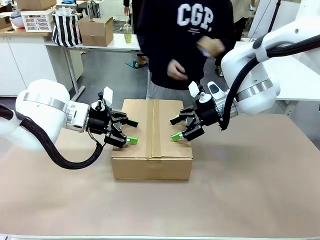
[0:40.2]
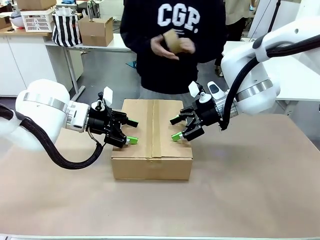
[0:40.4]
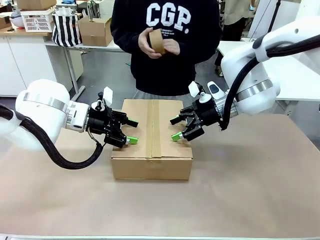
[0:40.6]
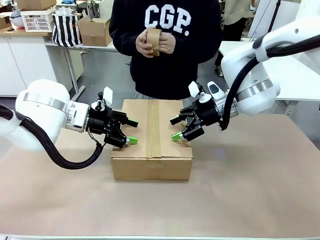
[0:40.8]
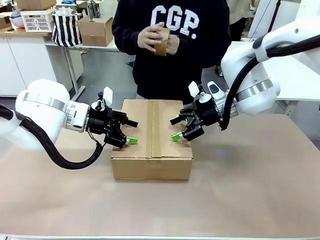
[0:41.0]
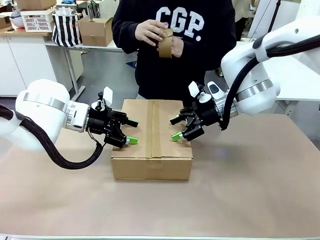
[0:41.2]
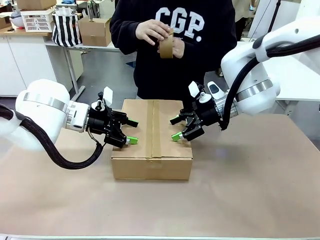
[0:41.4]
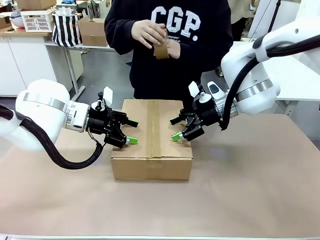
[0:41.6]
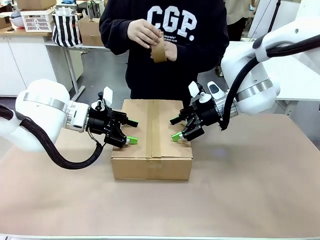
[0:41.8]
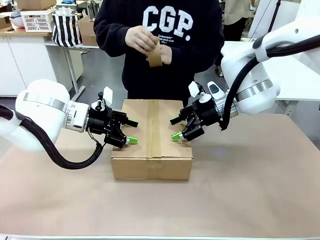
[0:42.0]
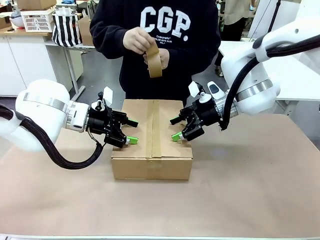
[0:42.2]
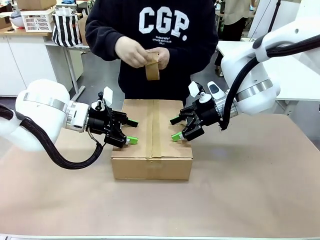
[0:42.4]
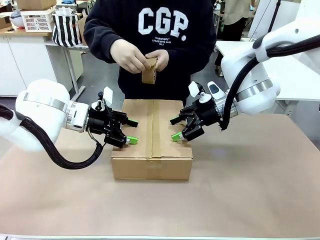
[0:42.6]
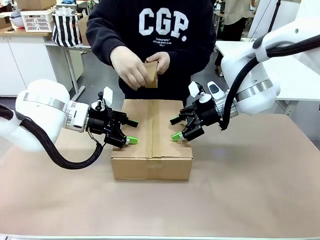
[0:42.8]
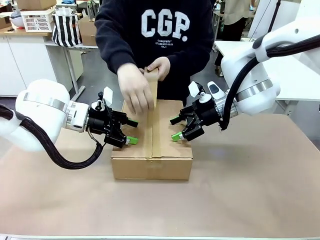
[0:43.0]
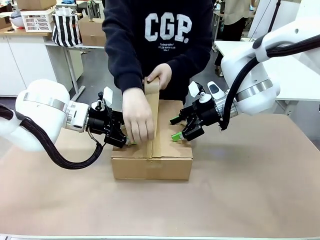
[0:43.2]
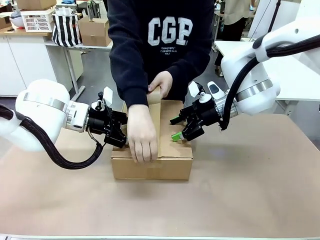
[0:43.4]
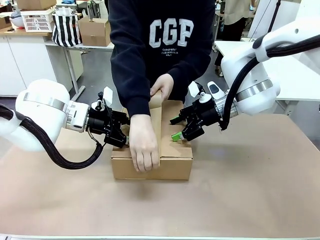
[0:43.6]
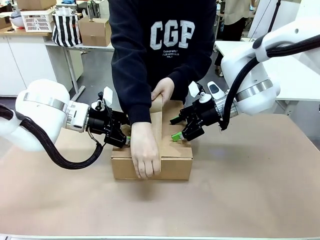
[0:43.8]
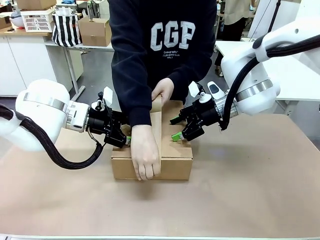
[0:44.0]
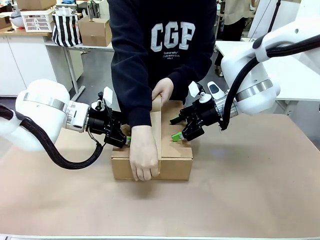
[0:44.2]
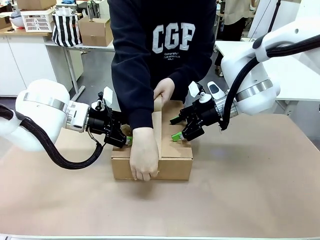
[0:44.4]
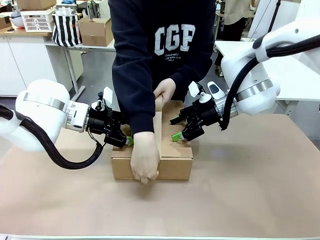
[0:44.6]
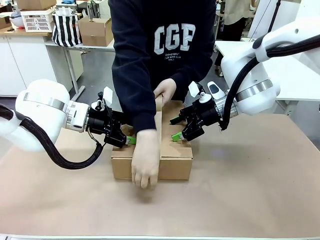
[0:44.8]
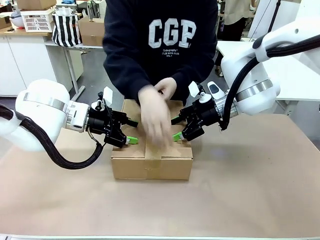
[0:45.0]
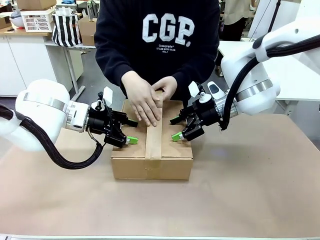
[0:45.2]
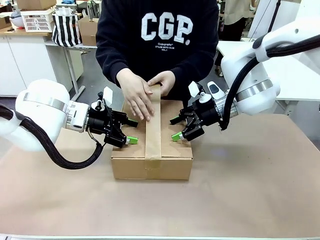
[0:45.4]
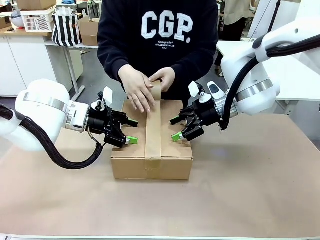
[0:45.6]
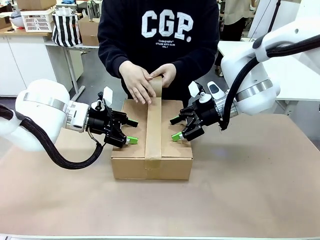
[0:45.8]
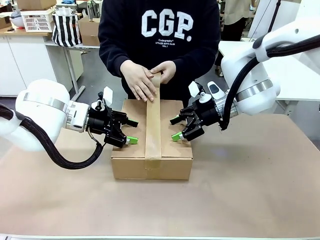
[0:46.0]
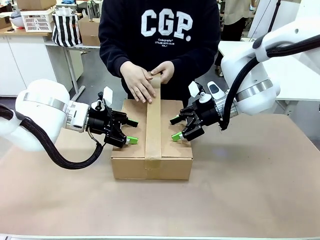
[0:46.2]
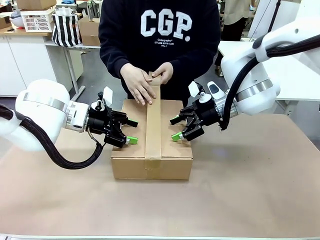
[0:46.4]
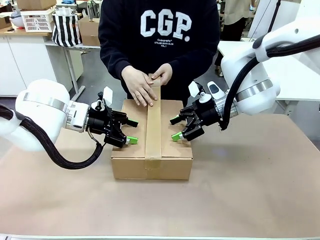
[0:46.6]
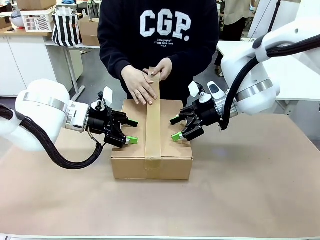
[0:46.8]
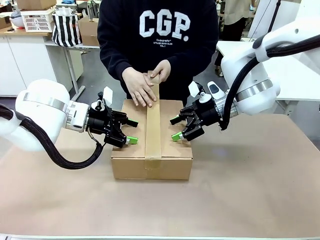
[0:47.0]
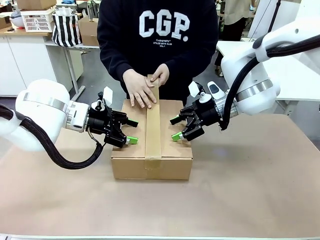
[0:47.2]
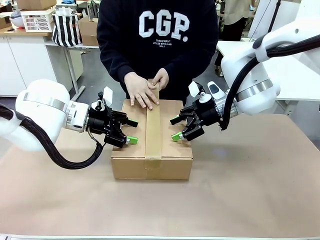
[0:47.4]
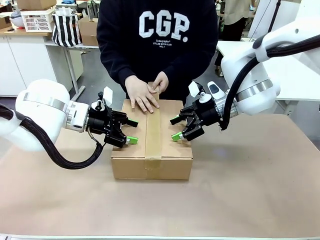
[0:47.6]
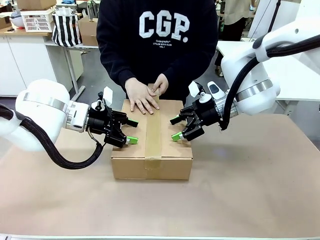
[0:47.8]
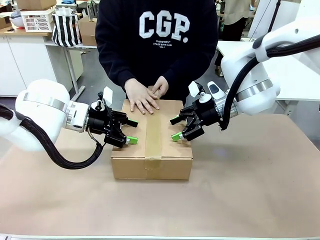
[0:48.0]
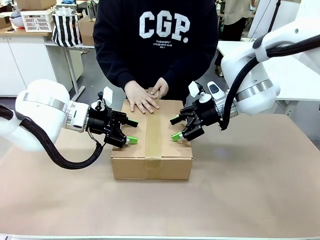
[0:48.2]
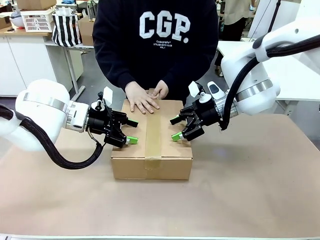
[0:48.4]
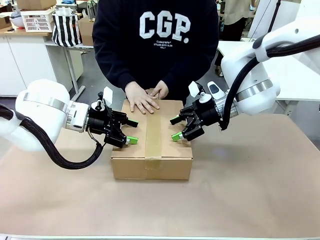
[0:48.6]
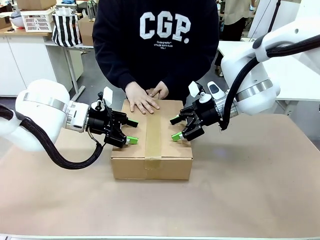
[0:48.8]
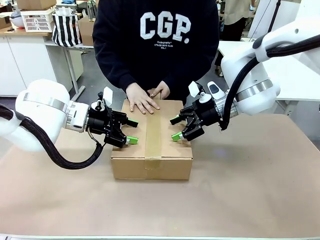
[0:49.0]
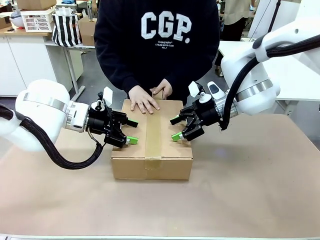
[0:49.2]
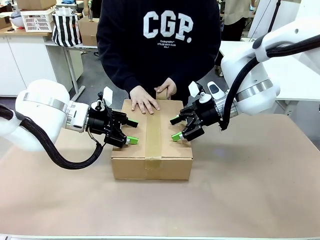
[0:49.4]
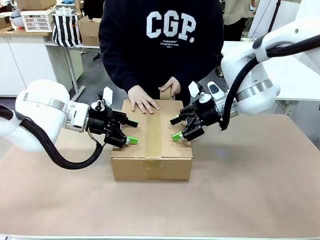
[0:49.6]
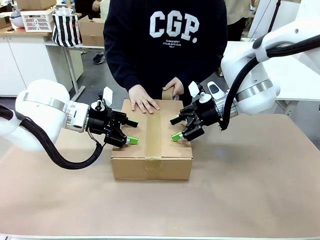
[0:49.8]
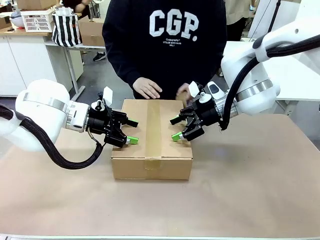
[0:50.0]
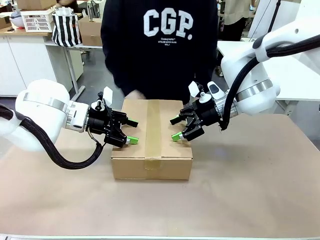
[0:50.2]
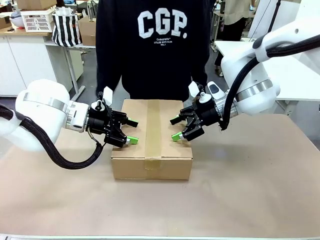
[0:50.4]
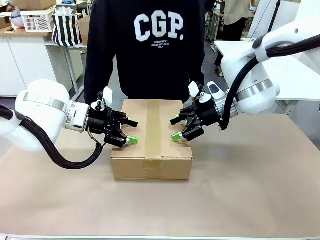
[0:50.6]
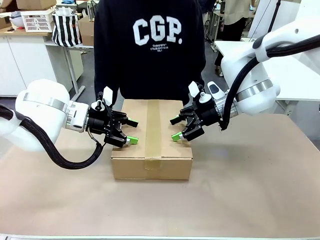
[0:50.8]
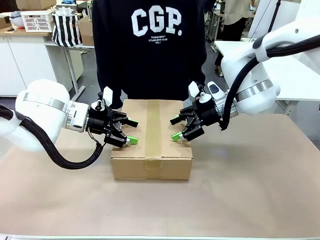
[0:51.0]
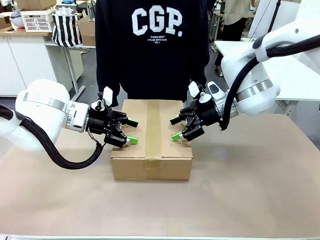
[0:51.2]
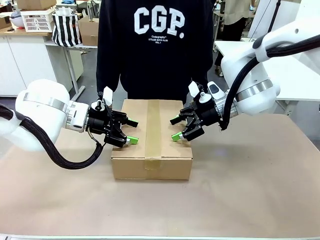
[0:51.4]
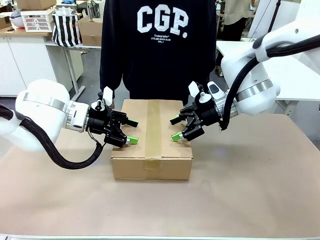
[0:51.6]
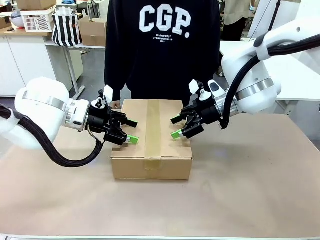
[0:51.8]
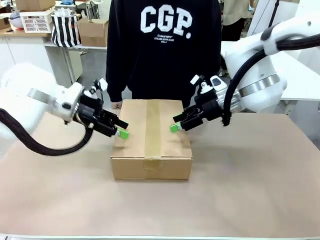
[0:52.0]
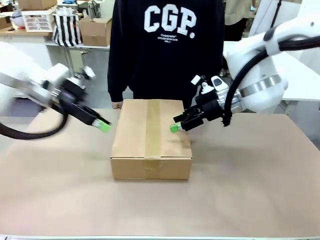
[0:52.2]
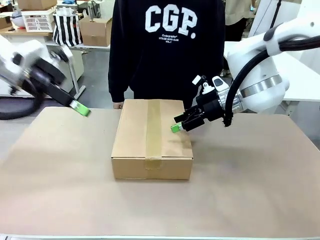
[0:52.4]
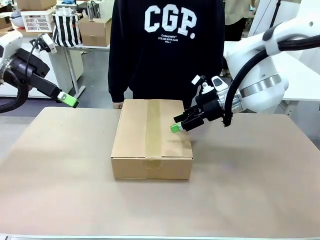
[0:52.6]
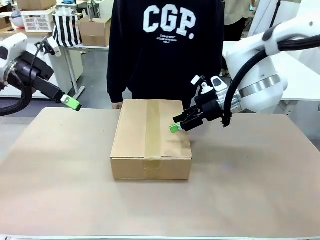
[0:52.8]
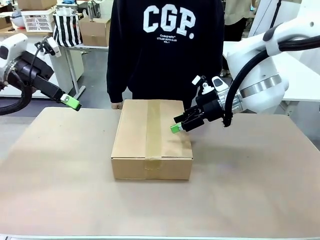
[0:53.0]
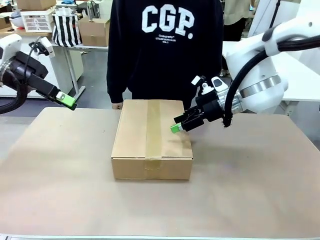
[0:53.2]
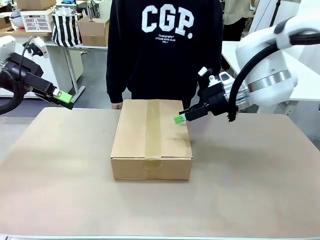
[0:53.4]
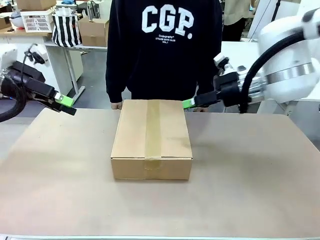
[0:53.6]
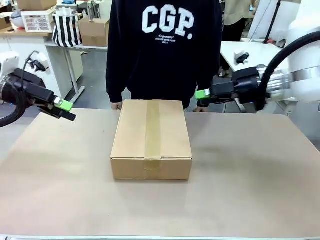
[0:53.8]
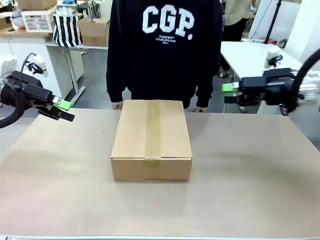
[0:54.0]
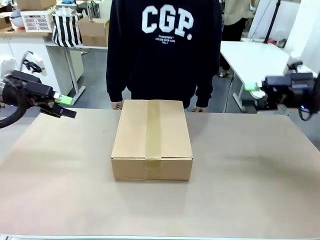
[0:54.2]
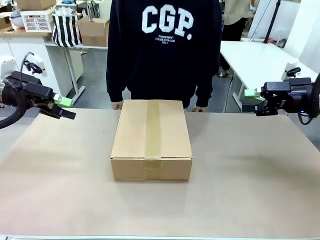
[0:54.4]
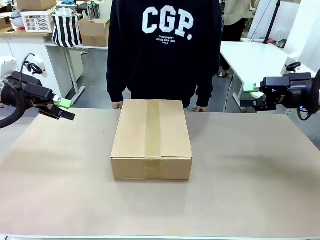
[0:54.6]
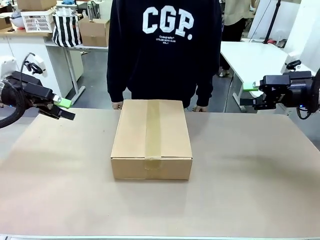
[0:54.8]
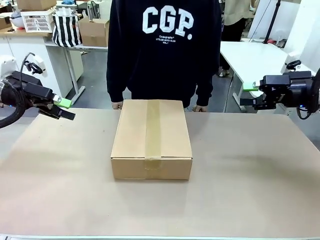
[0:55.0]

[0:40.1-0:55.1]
Task: Pack the gift set into the box.
Robot: Press and hold the closed box until the human finishes sealing it.
Person: The human picks up the paper tape from the human table and packs the box.
